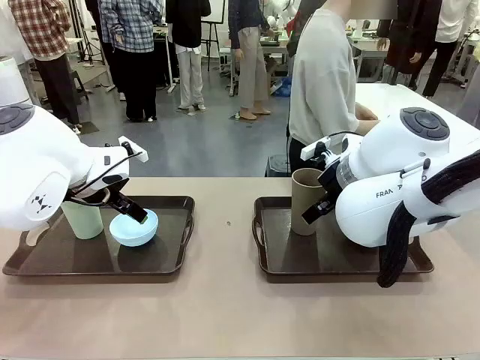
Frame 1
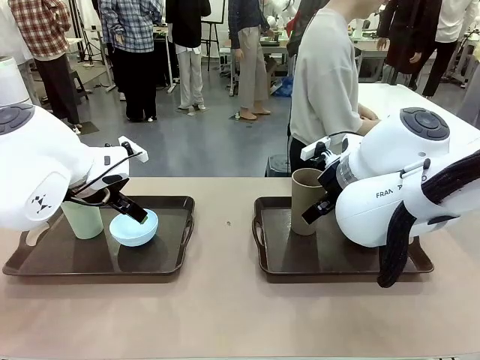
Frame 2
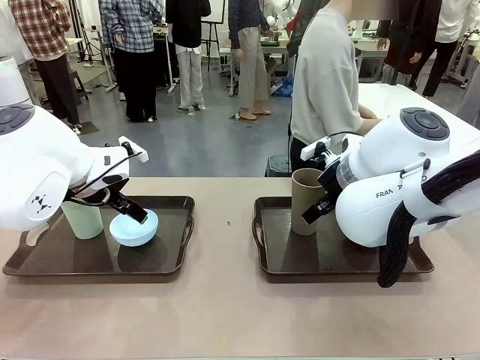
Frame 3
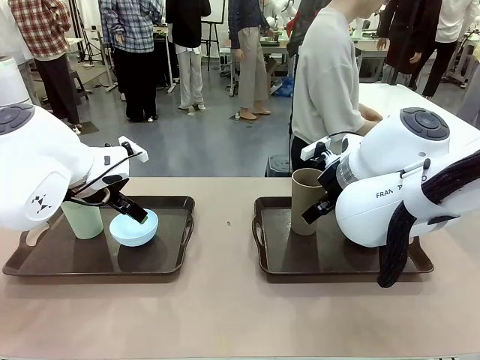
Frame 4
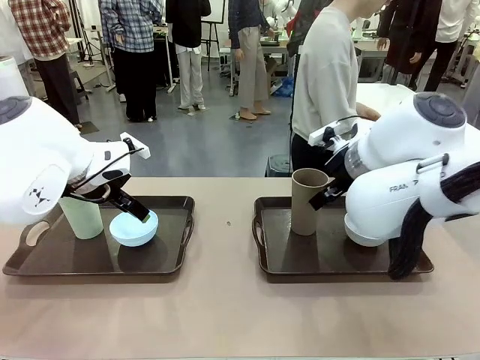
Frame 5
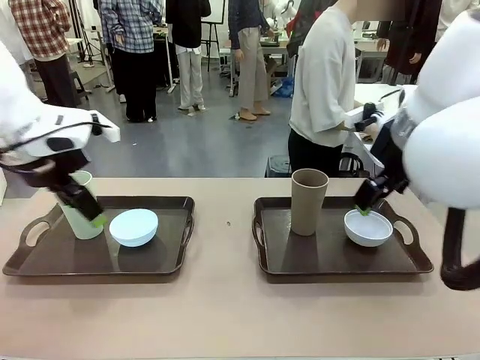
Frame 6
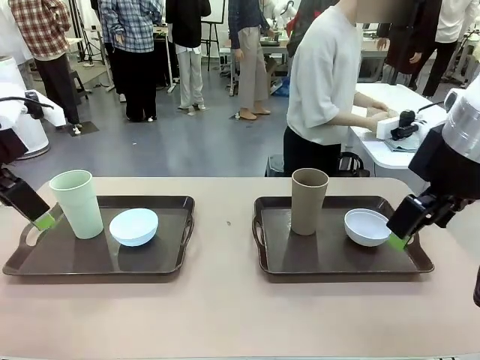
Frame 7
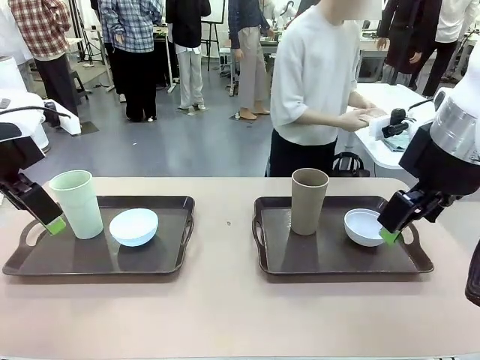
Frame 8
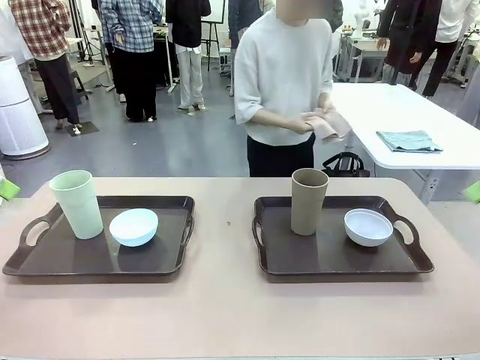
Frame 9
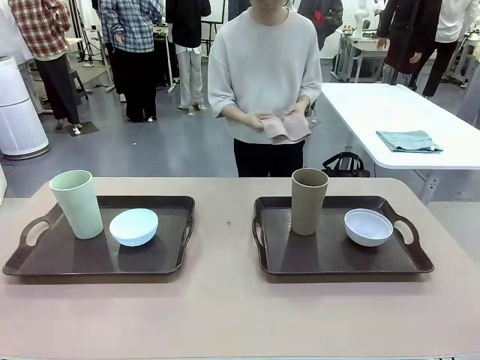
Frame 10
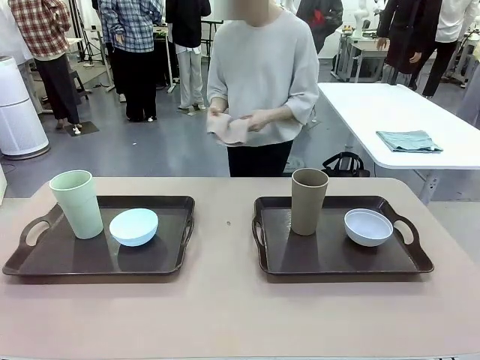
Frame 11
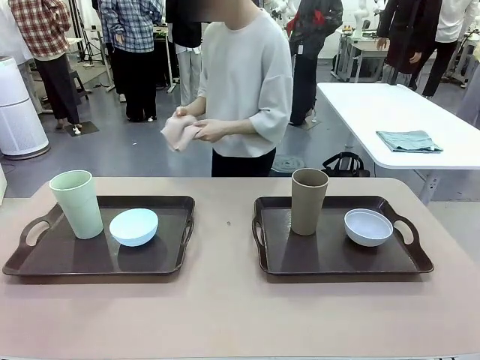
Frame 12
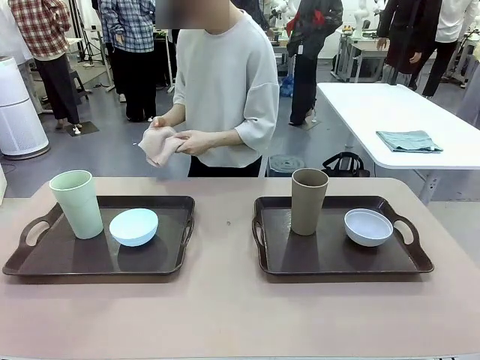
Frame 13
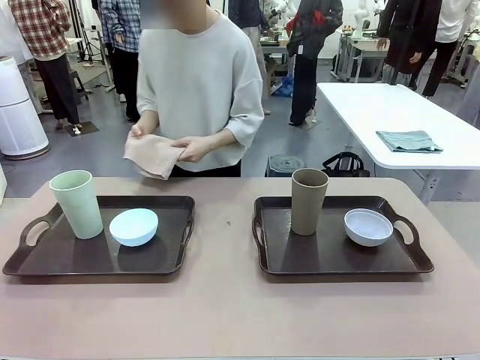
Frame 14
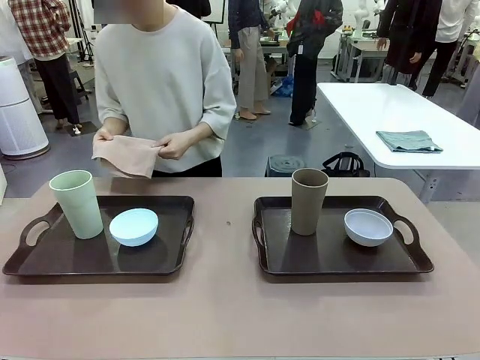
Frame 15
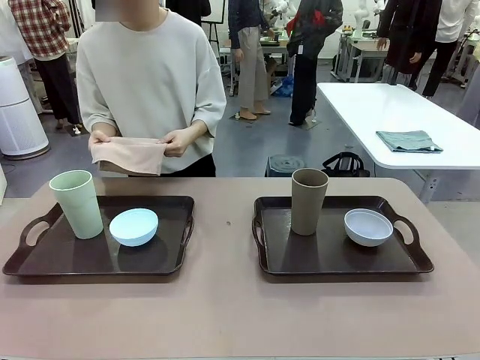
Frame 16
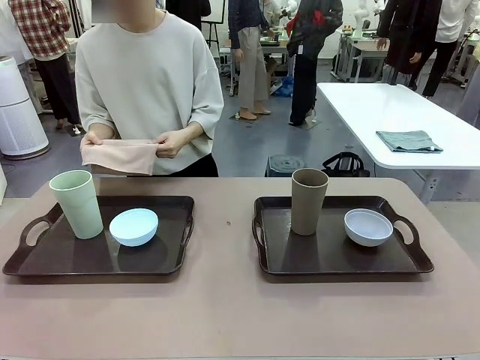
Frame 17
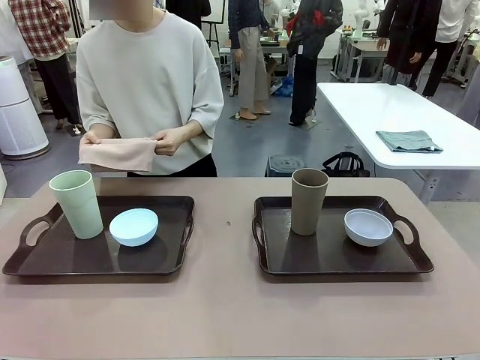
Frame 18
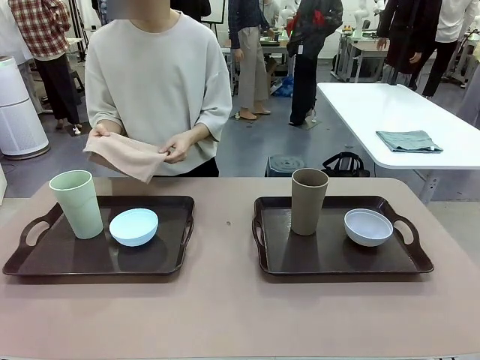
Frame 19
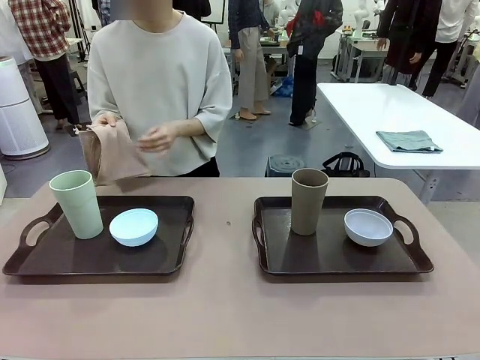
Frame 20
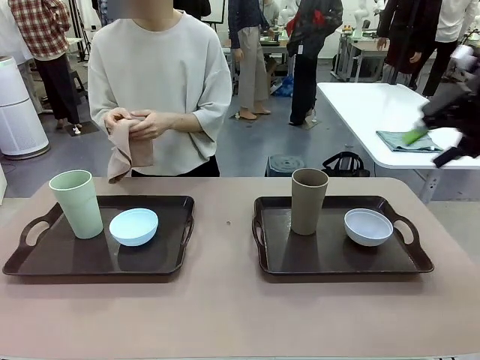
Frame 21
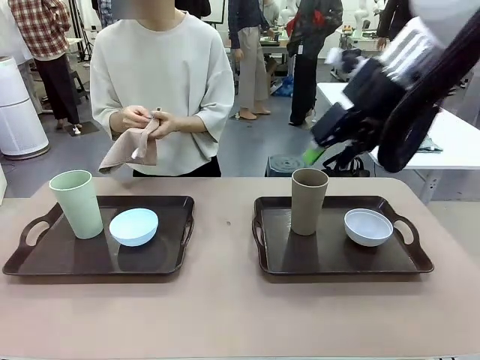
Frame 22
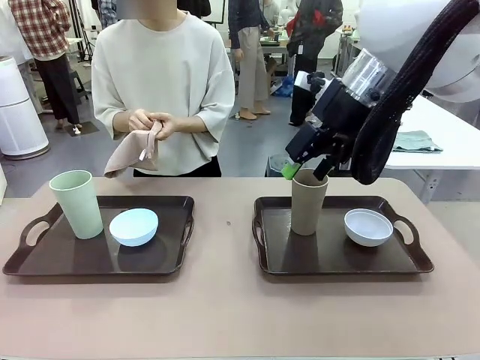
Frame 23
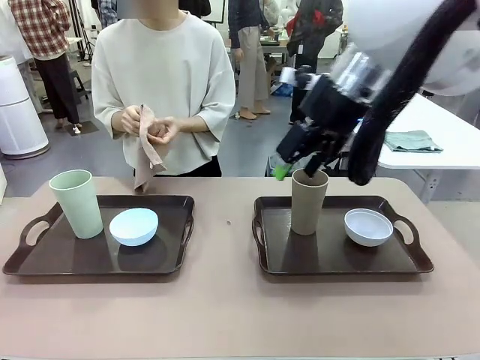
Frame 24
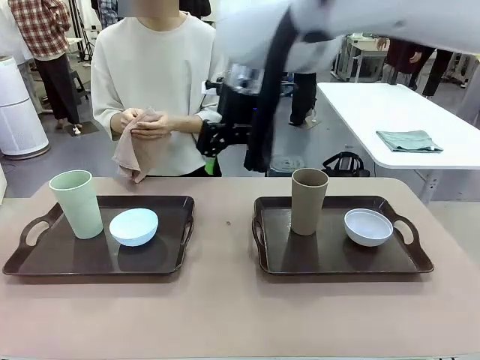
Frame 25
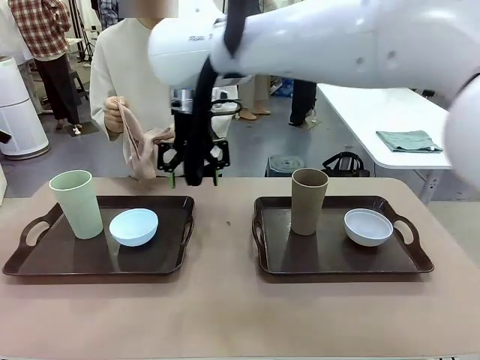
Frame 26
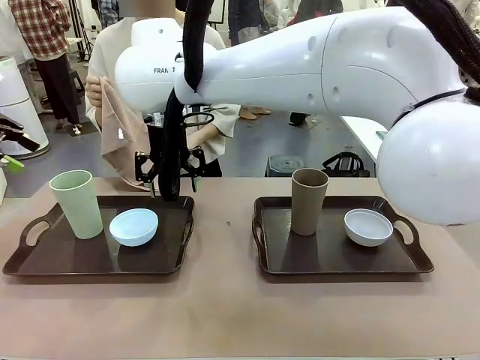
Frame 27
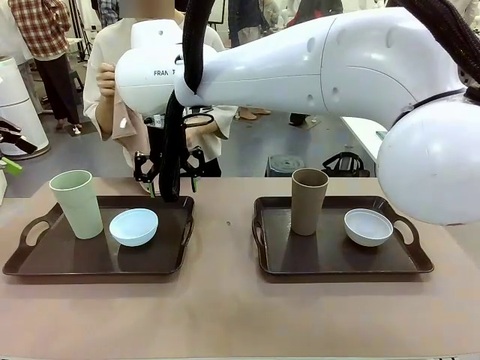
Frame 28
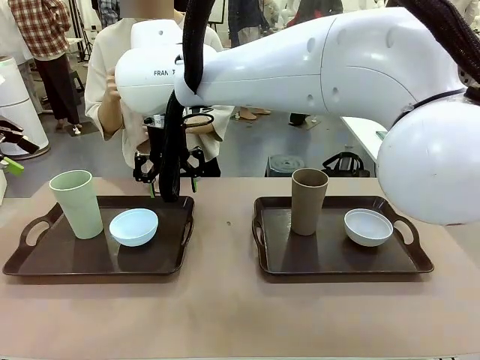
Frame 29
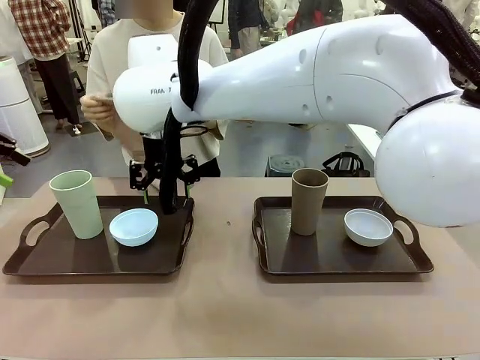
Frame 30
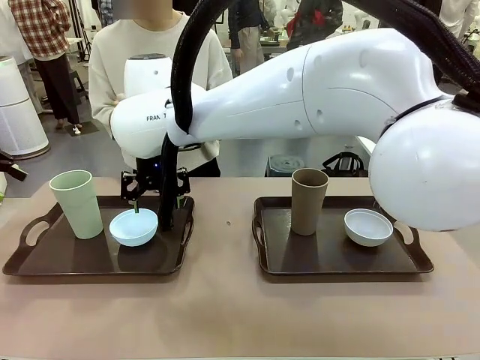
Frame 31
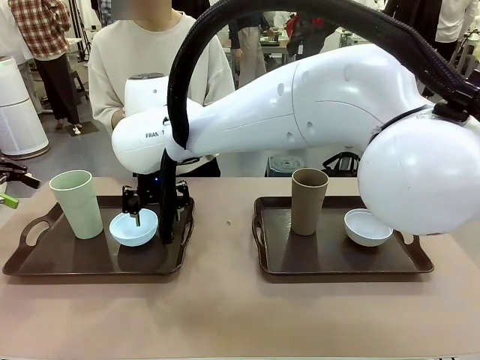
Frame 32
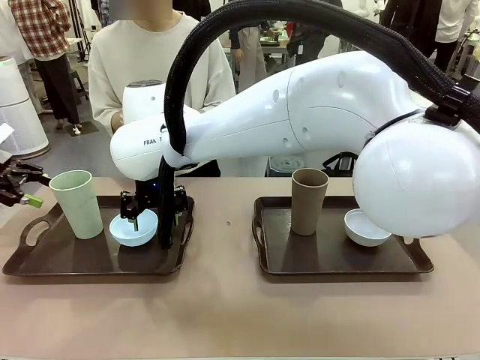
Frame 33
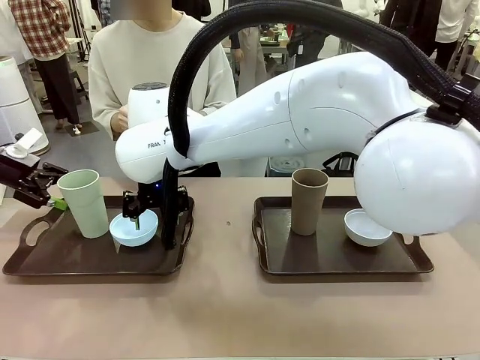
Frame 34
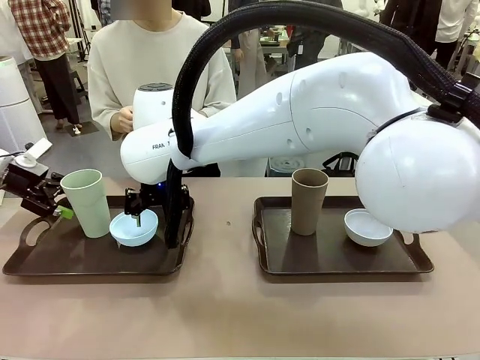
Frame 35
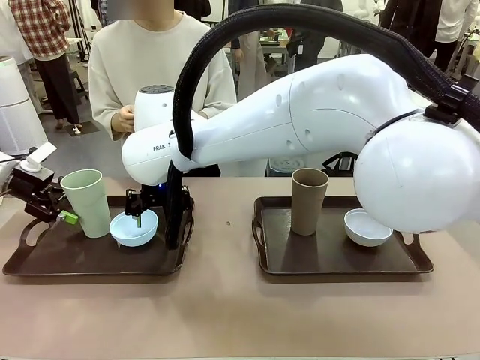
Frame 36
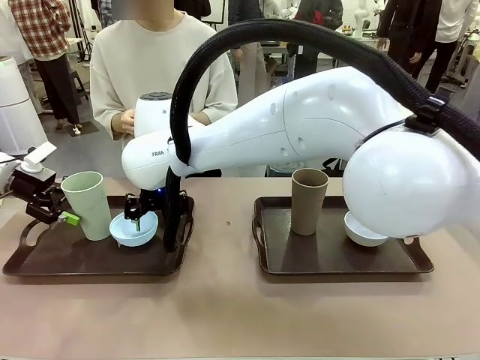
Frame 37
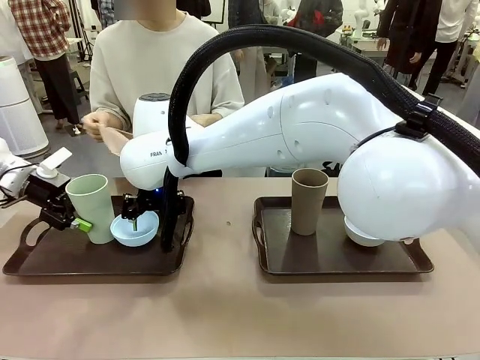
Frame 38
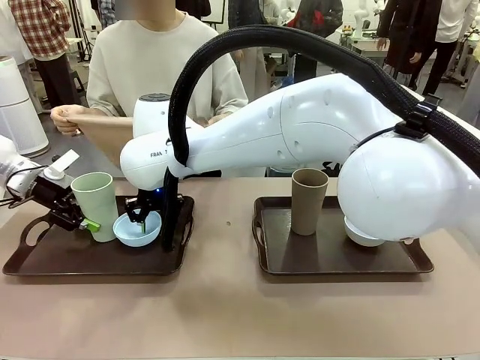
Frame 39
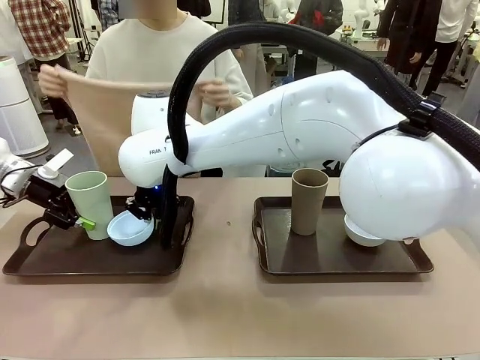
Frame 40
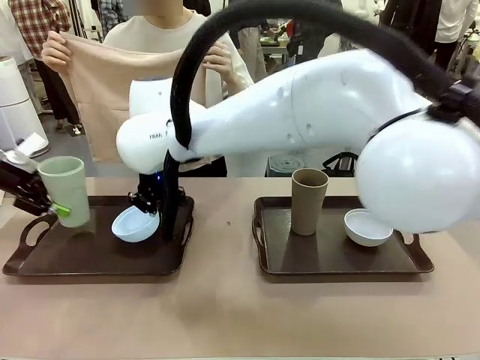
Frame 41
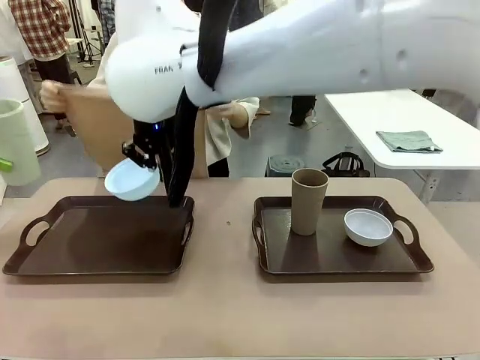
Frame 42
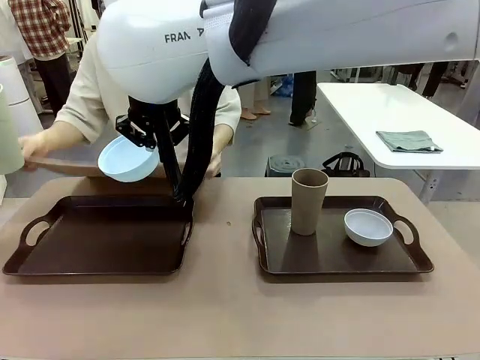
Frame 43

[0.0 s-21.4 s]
Robot: Pick up the Picnic Bowl and Reusable plastic cup from the Handle tray in front of the human's position and hold them in the air.
Person: The human picks up the top napkin from the stack on the human table and walks to the robot table to stand in front of one of the two trays. When the robot lifts the bowl and the cup, the human unfolds the napkin and lays the napkin flat on the tray.

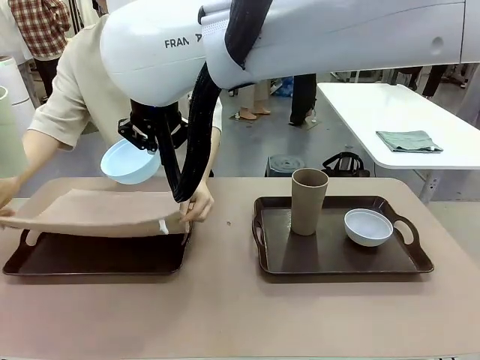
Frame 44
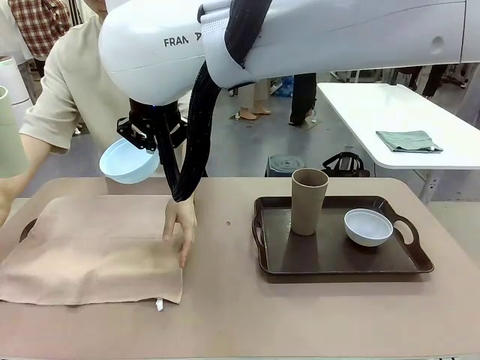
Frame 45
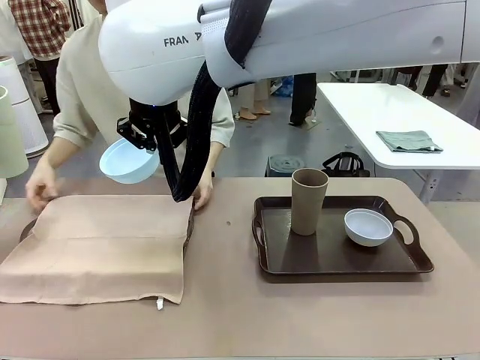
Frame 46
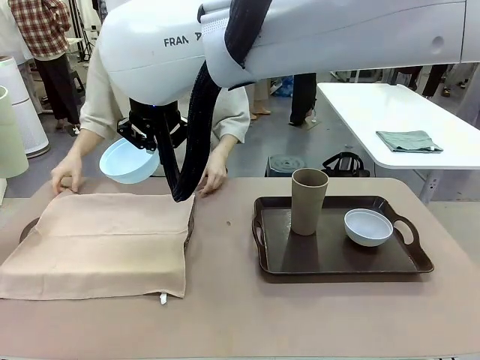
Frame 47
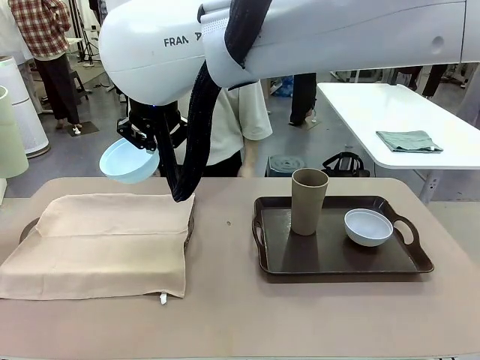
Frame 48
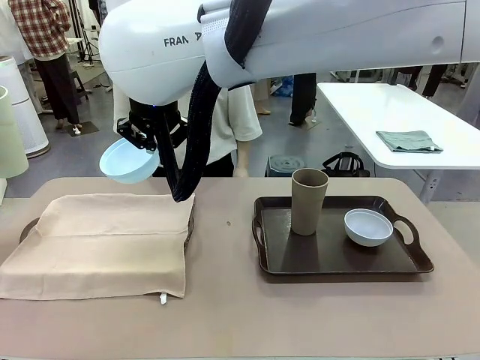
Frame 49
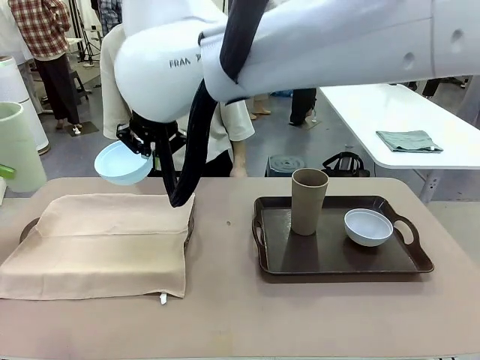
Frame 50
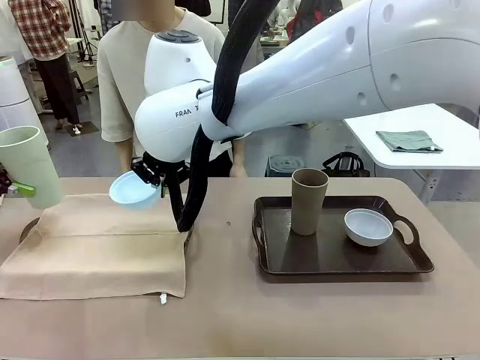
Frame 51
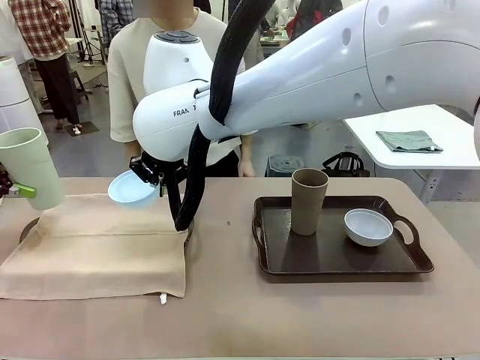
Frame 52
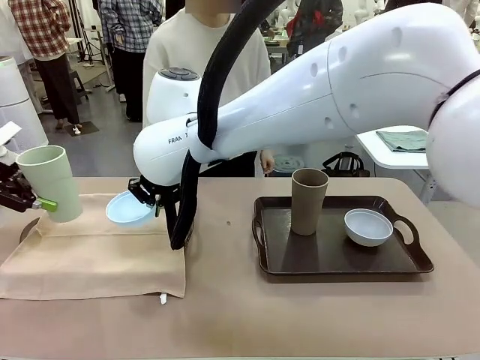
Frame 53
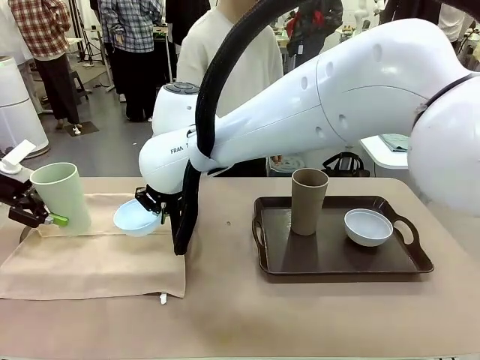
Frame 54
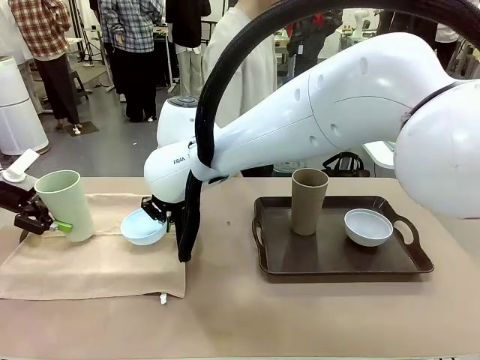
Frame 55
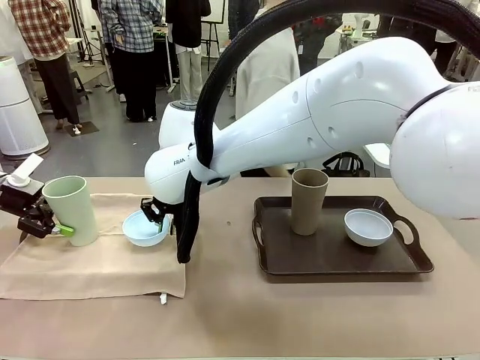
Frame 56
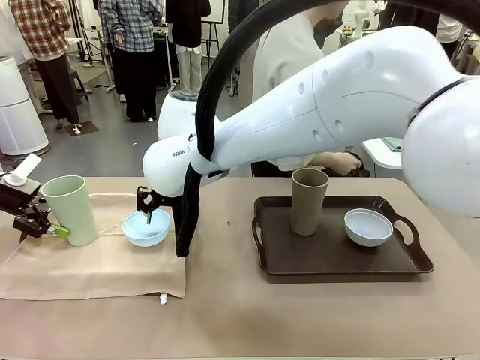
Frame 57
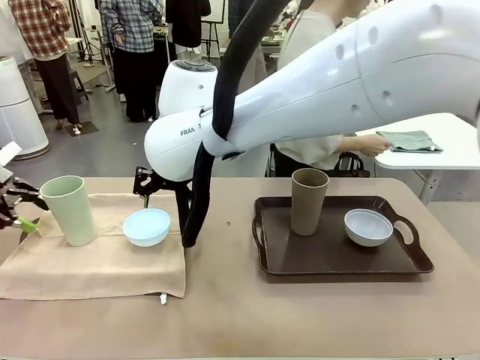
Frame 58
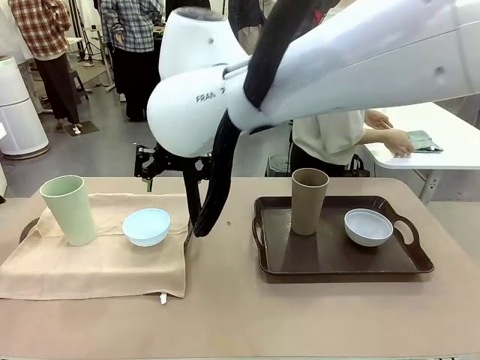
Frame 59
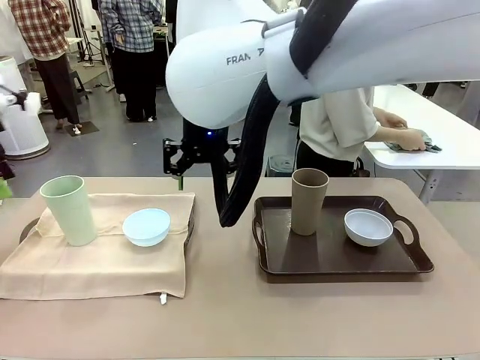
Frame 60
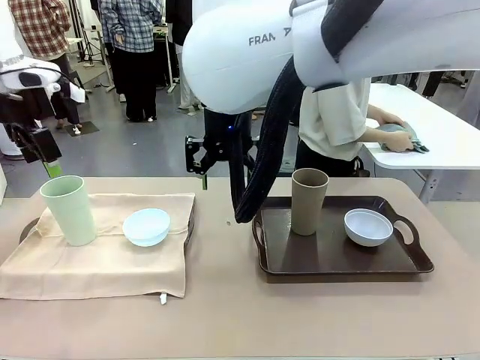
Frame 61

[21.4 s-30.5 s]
Robot: Place the Picnic Bowl and Reusable plastic cup back onto the Handle tray in front of the human's position.
Person: The human returns to the human table to pick up another napkin and walks to the robot table to stand in front of the tray without a napkin.
